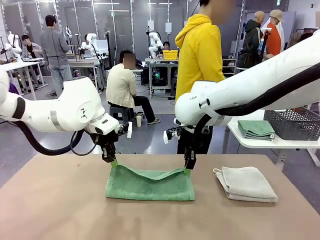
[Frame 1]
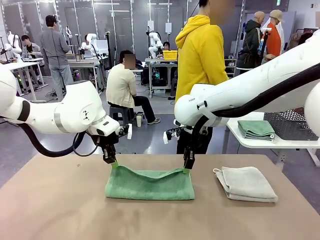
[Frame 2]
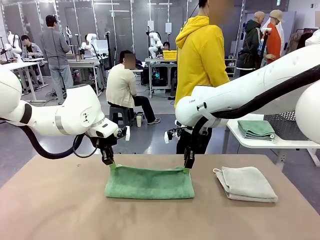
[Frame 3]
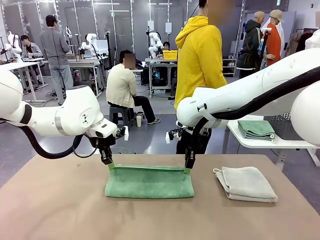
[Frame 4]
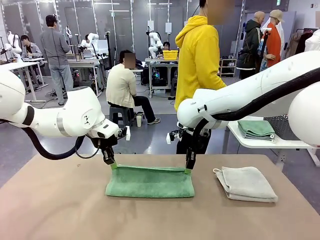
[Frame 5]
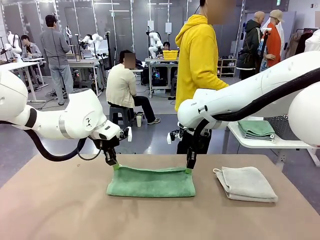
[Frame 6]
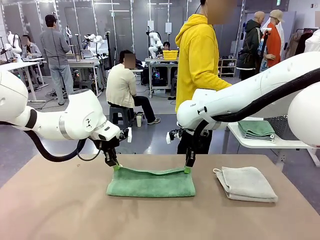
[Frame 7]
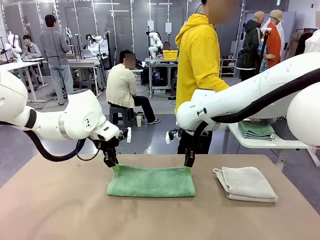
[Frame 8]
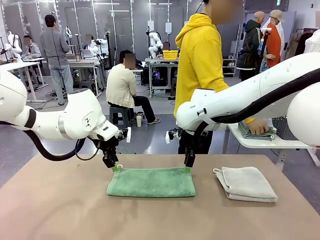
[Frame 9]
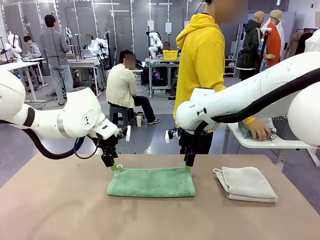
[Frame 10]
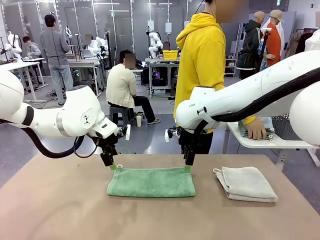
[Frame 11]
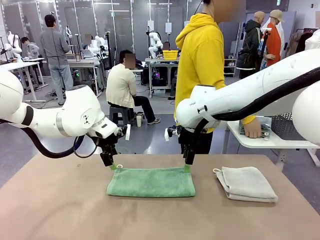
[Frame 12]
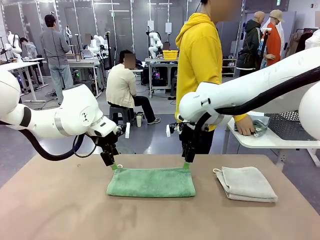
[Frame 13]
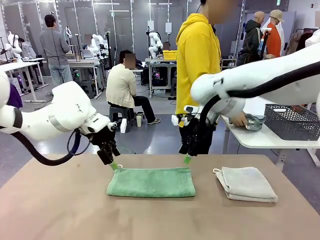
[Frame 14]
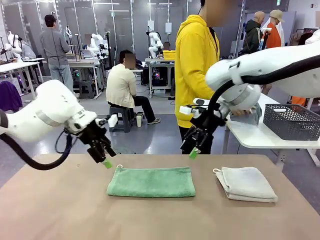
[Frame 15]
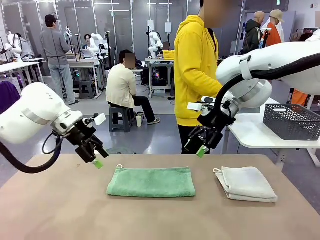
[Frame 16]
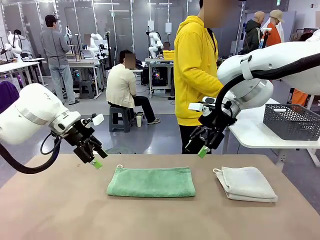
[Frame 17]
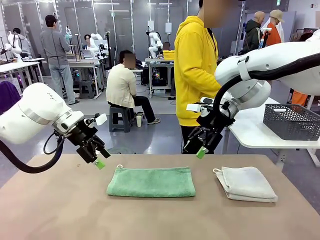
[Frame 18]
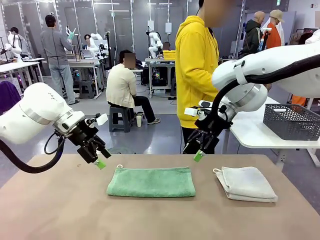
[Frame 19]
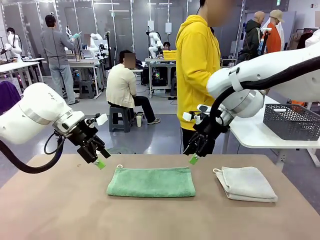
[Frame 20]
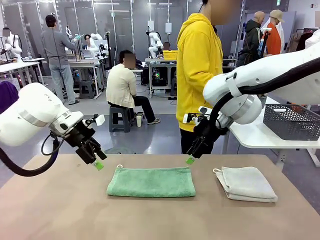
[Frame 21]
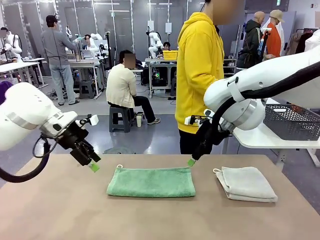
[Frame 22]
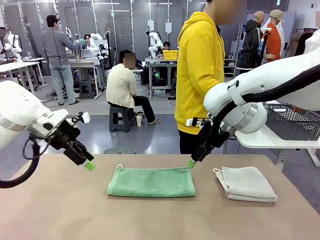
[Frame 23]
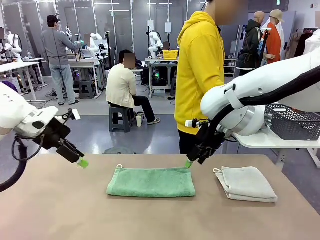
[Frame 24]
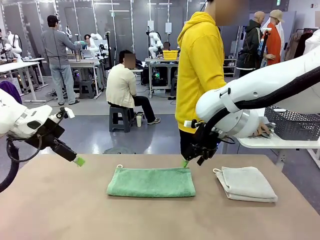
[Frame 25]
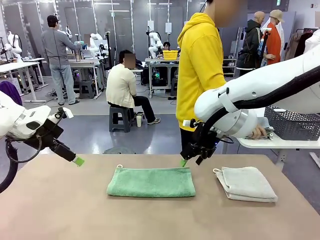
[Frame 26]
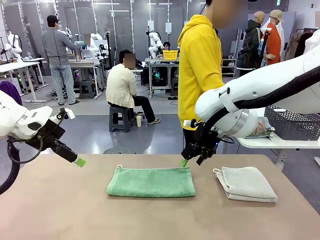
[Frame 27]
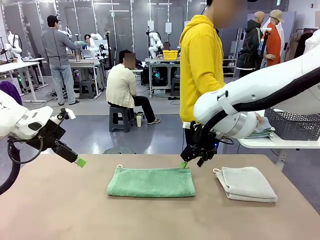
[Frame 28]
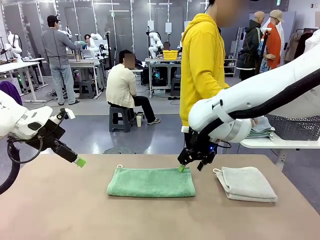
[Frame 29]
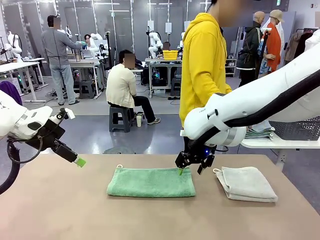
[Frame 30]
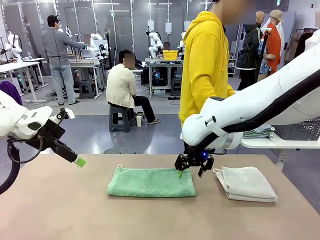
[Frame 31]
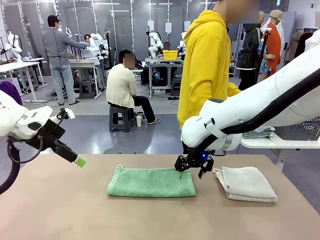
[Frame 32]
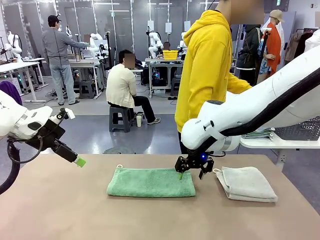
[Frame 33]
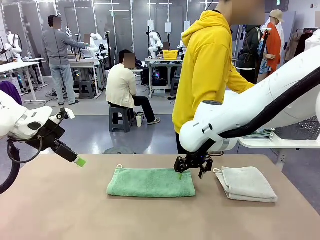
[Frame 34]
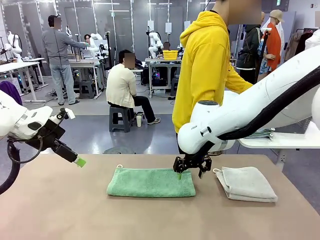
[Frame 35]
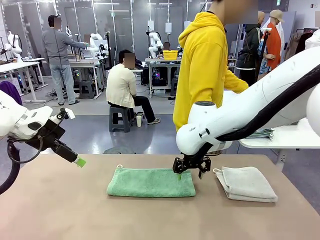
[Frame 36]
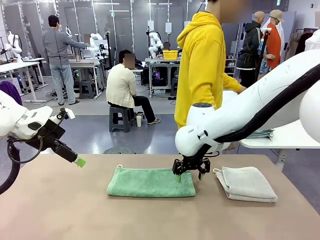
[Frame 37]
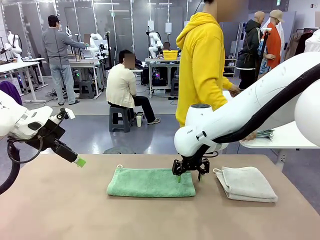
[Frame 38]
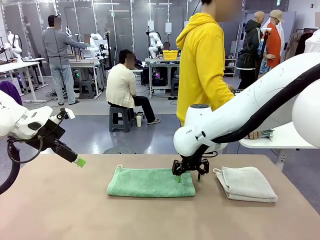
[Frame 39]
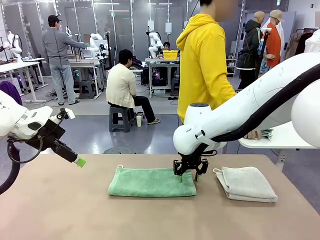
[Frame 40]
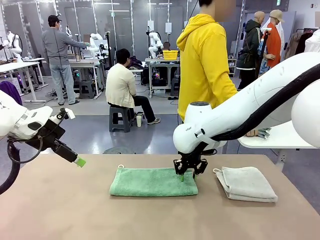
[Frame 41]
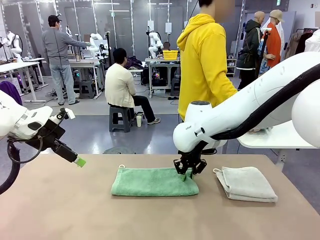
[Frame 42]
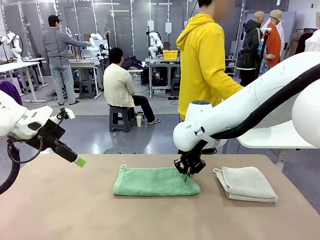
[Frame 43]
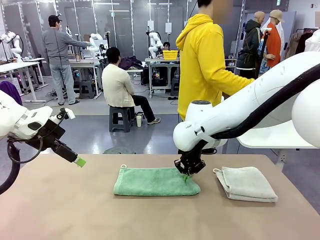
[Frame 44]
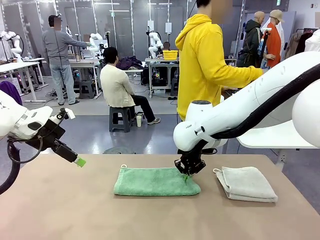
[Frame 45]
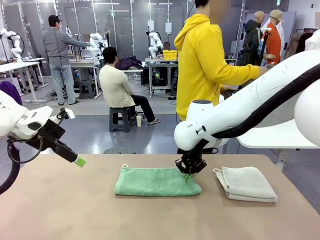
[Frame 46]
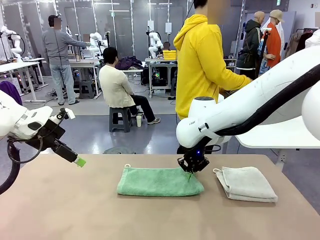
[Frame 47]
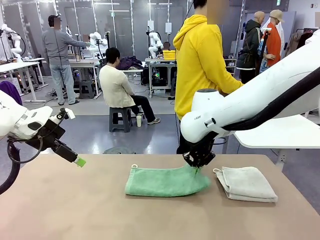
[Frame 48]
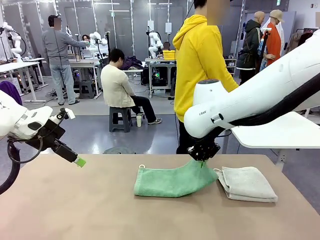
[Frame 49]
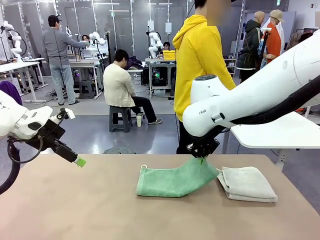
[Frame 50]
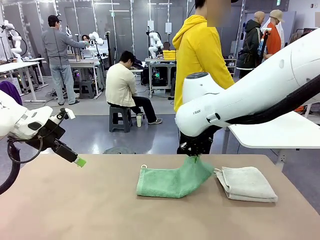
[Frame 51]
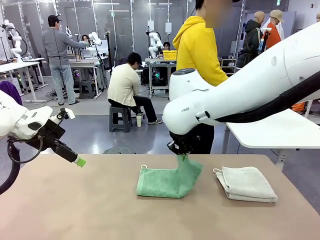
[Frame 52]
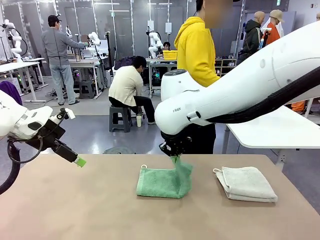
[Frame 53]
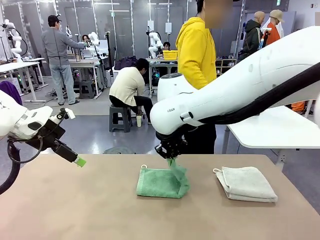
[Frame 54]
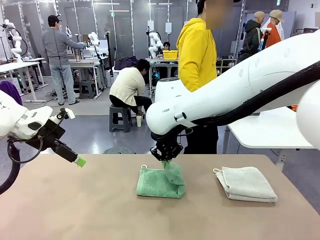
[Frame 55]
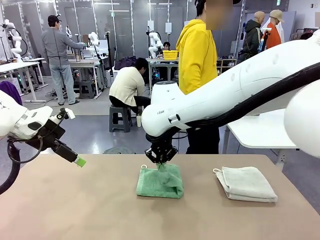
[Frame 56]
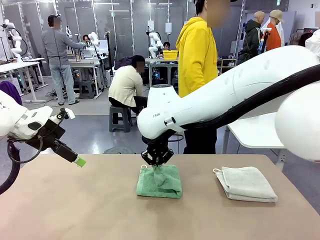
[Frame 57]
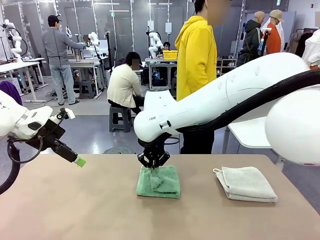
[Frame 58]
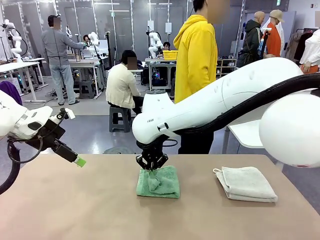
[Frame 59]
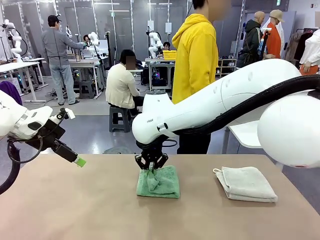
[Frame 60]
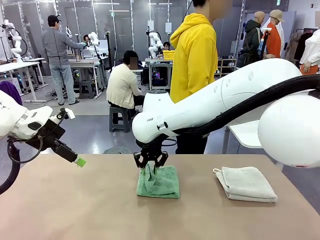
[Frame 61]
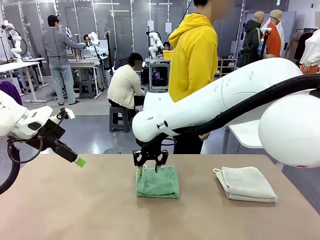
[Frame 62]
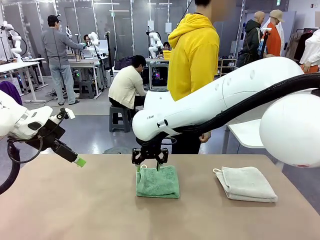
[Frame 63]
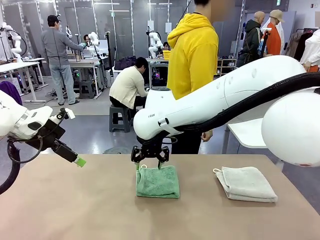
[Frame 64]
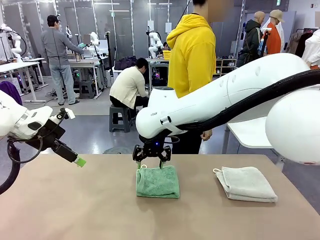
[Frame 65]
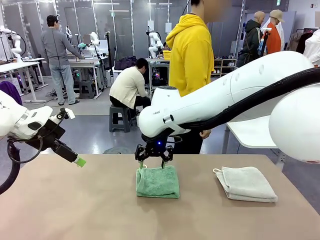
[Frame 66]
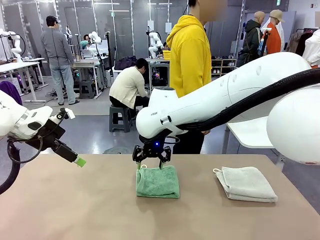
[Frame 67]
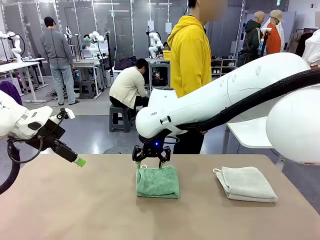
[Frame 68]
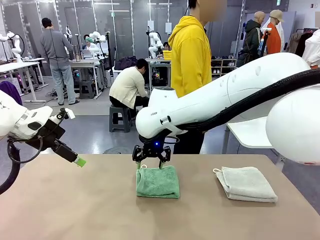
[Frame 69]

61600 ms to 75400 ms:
Task: Fold the towels and place them in the basket.
Robot: When a person lays out a Towel with hook on the table, fold it in half twice.
Person: Pick up the stack of towels from the right side of the human table, place it into the basket, and put the basket at the center of the table.

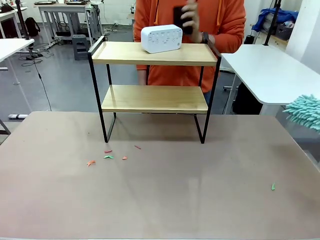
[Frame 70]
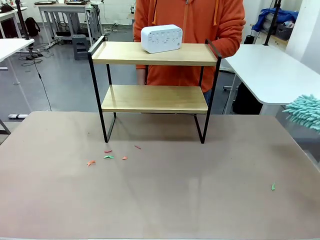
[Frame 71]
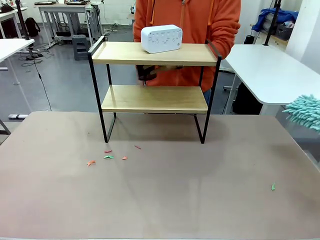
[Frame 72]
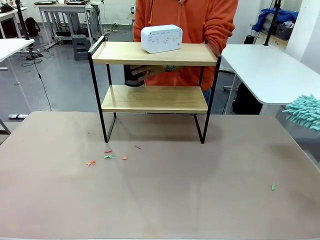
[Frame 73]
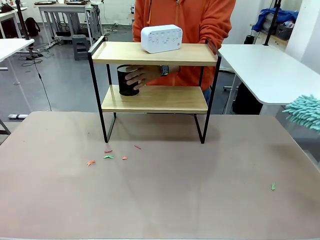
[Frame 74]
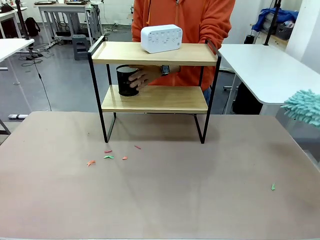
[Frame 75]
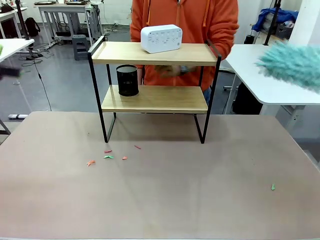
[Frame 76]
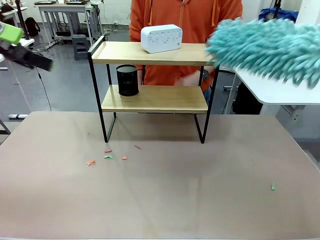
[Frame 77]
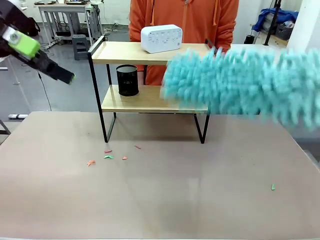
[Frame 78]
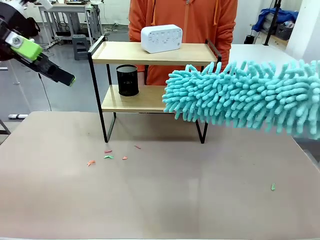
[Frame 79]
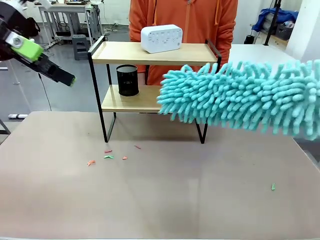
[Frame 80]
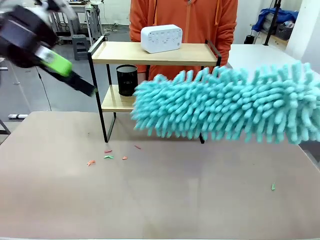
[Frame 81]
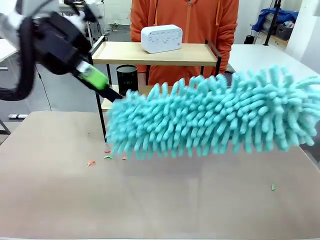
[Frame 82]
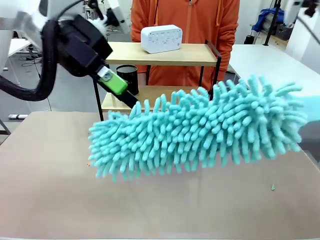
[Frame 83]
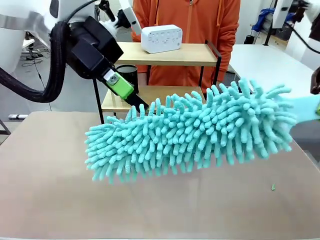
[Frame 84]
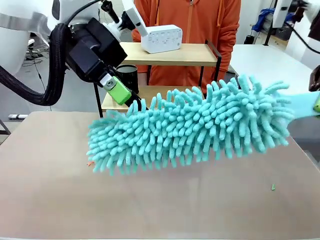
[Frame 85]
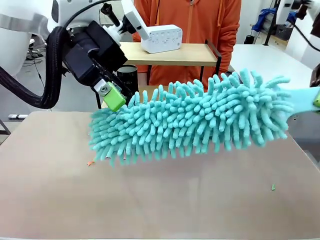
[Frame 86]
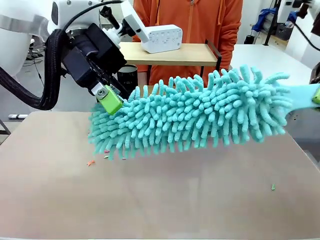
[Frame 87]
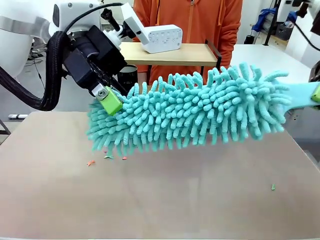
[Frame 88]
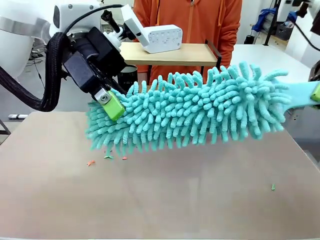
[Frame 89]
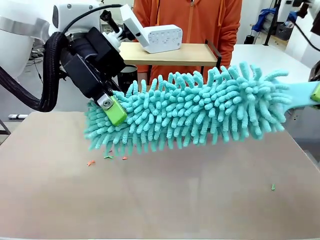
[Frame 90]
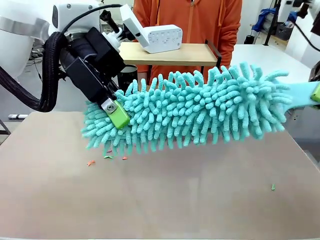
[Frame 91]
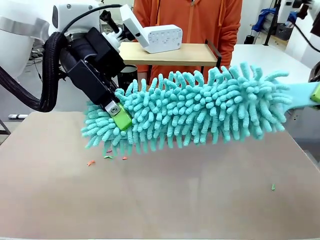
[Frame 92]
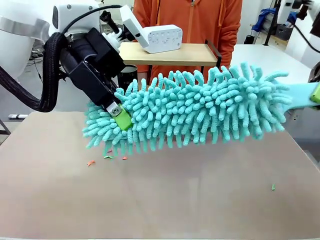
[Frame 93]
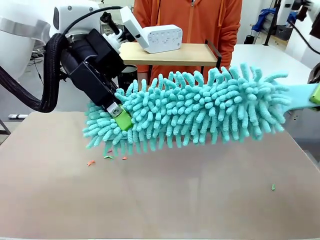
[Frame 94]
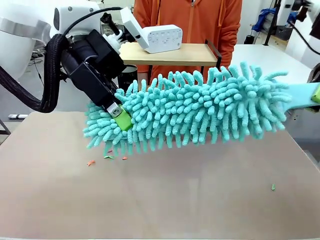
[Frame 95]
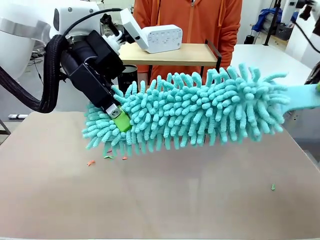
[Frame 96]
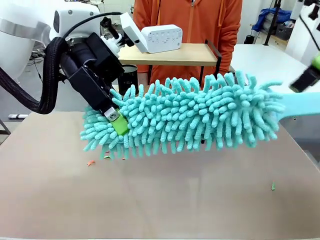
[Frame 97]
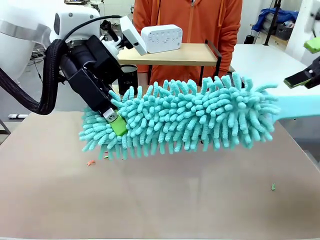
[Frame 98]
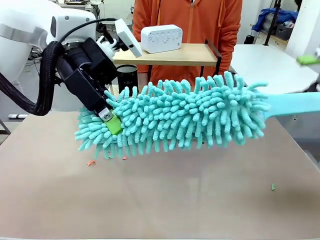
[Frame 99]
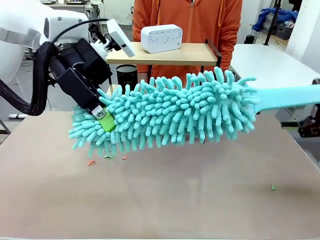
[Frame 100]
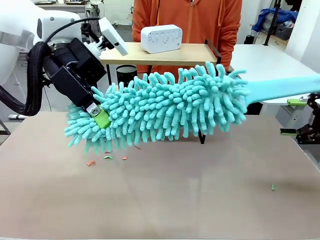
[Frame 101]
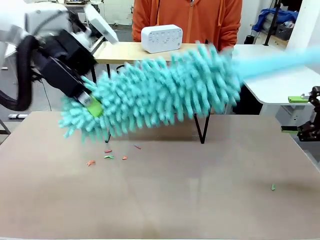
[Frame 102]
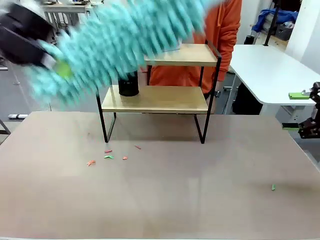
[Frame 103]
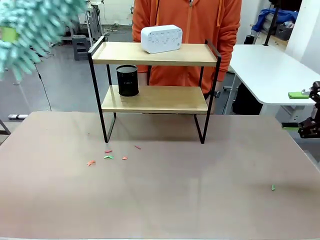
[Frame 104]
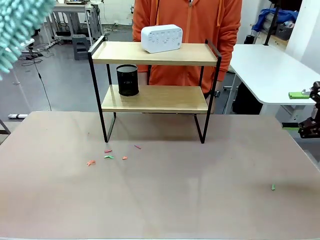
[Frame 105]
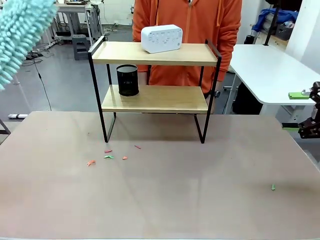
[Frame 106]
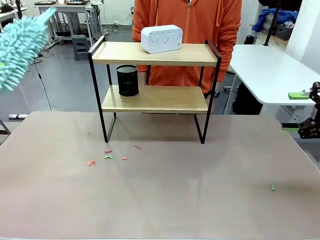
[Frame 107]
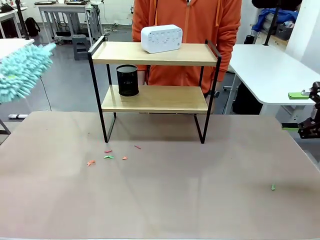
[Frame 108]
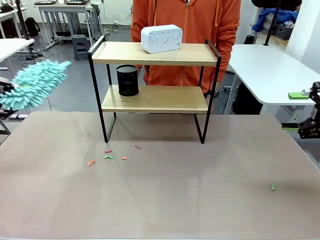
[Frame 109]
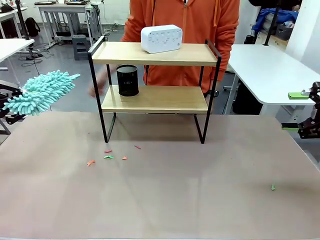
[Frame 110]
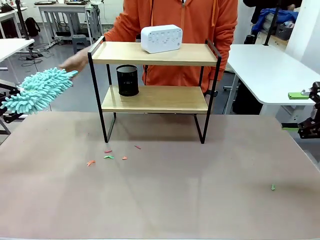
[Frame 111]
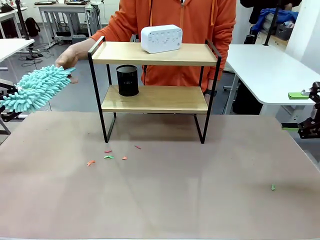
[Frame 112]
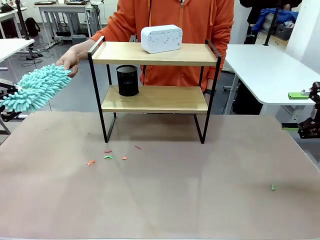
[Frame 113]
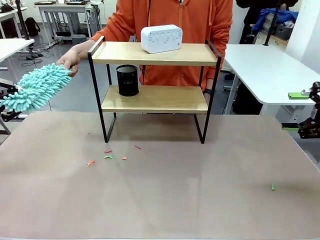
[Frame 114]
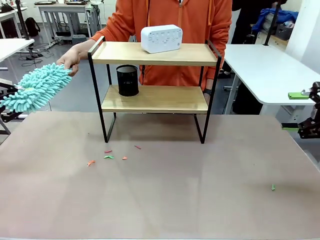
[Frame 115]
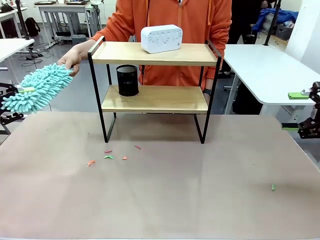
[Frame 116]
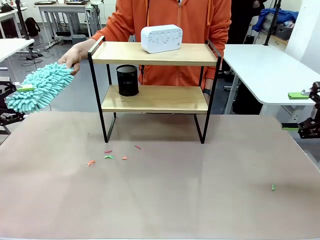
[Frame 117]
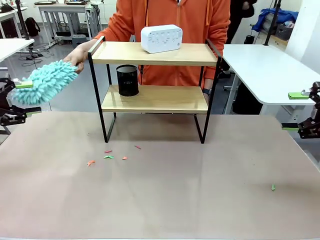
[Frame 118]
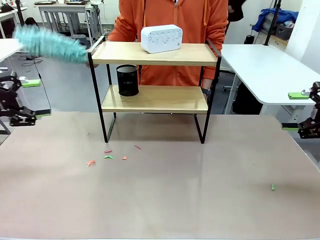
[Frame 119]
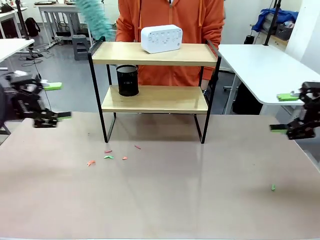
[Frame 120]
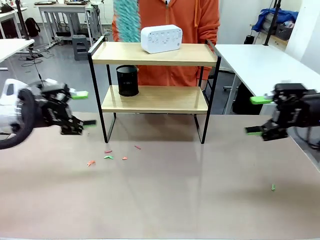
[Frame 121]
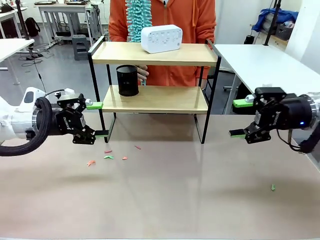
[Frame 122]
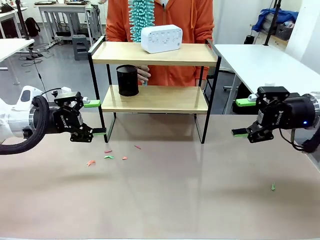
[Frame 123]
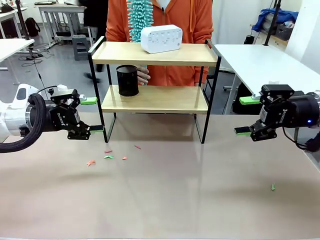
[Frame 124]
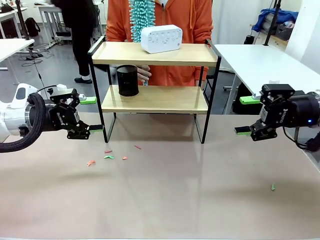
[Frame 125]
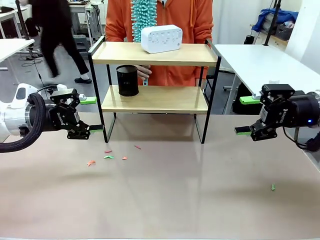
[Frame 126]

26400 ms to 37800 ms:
Task: Clean the shelf.
Robot: Hand the Duster back to the human.
Person: Receive the Duster from the robot.
